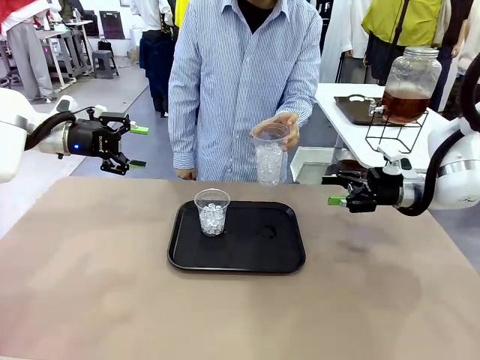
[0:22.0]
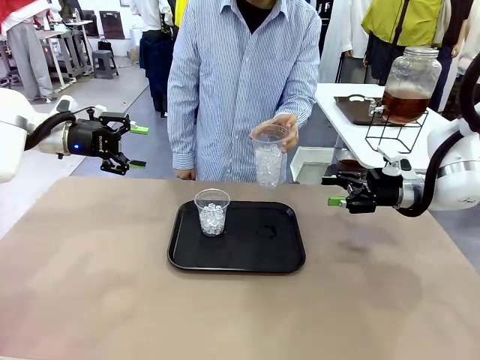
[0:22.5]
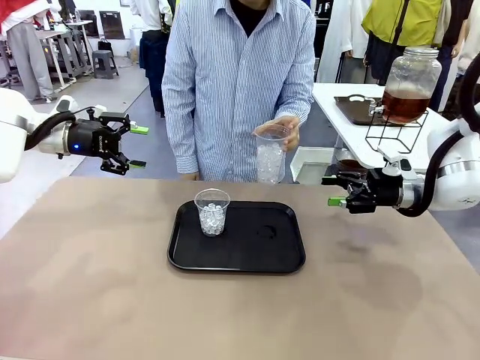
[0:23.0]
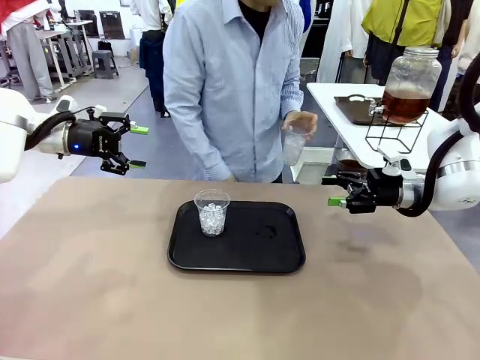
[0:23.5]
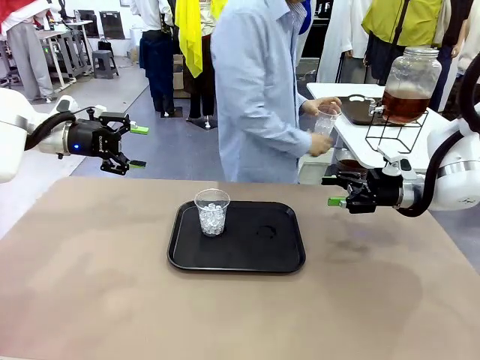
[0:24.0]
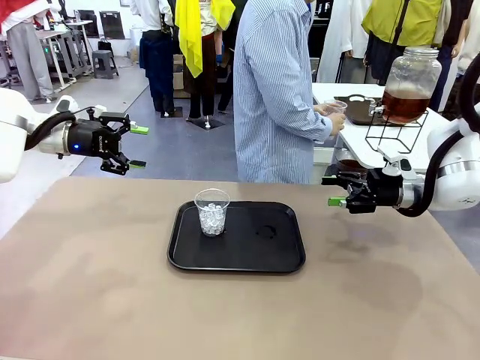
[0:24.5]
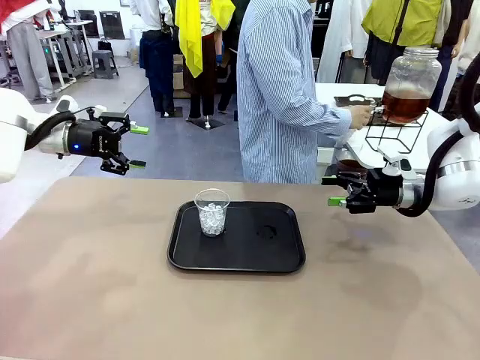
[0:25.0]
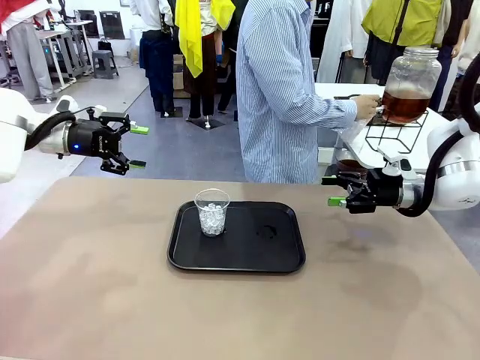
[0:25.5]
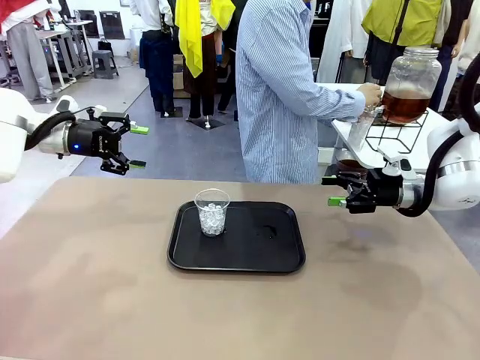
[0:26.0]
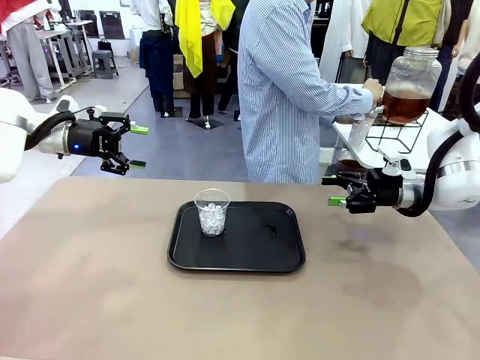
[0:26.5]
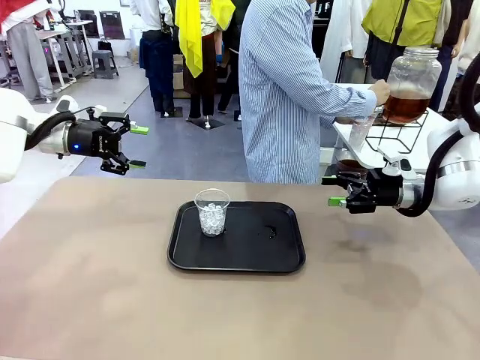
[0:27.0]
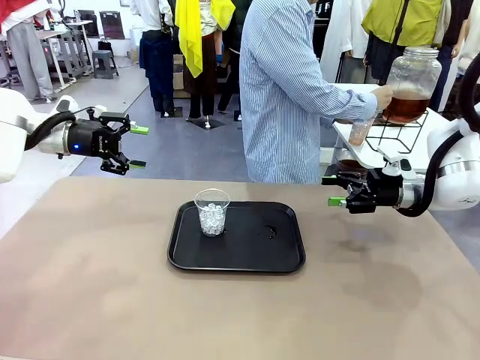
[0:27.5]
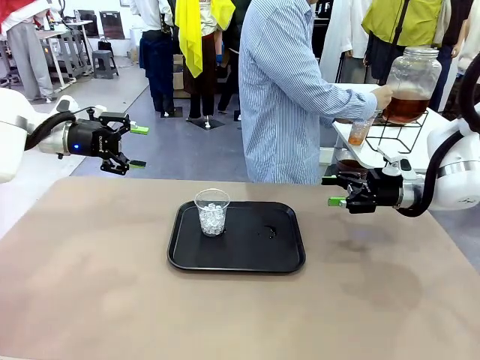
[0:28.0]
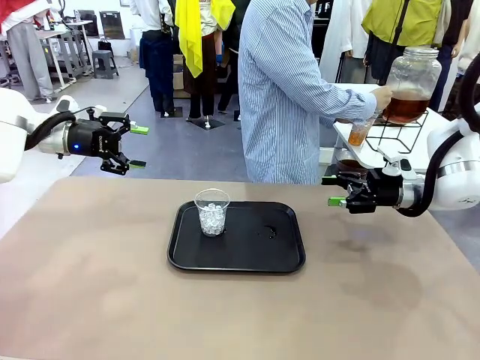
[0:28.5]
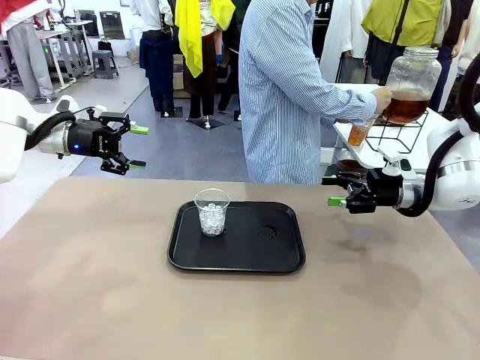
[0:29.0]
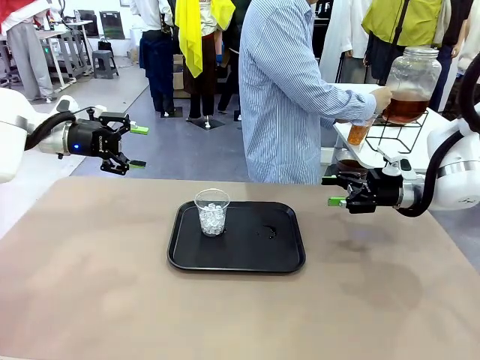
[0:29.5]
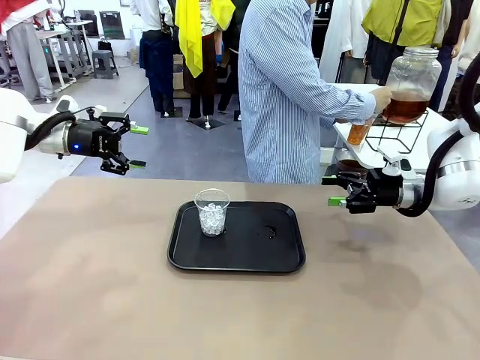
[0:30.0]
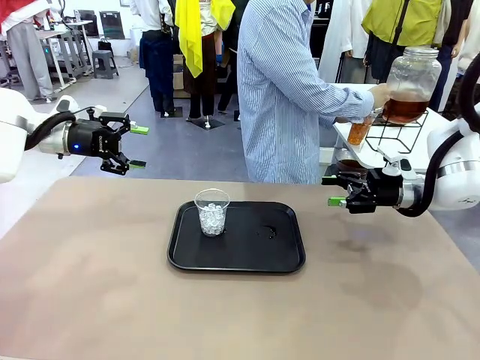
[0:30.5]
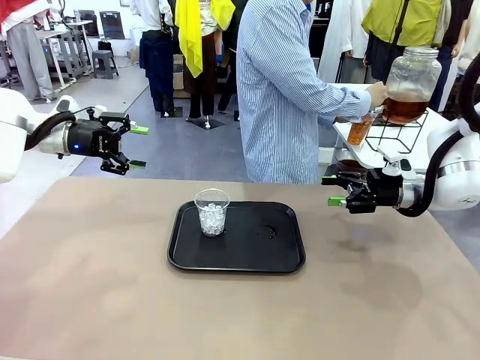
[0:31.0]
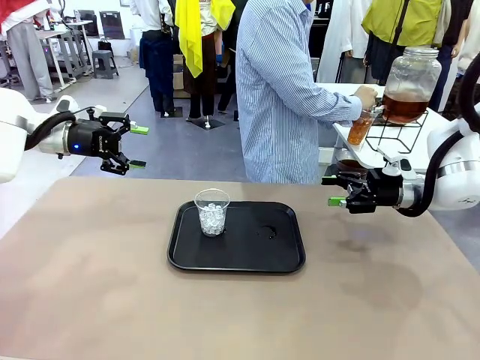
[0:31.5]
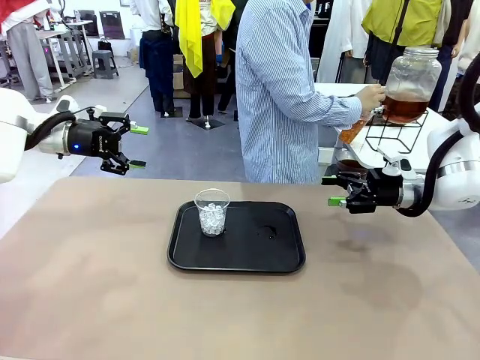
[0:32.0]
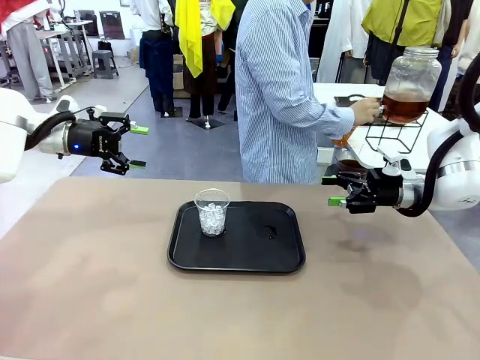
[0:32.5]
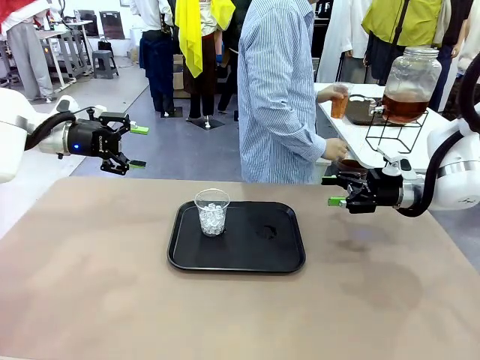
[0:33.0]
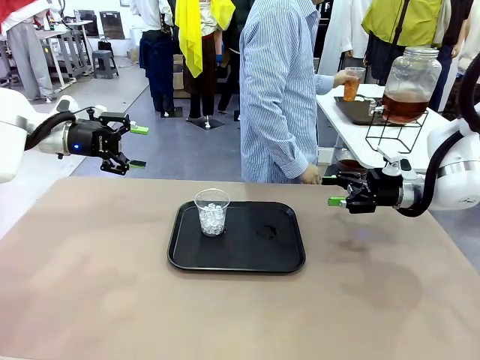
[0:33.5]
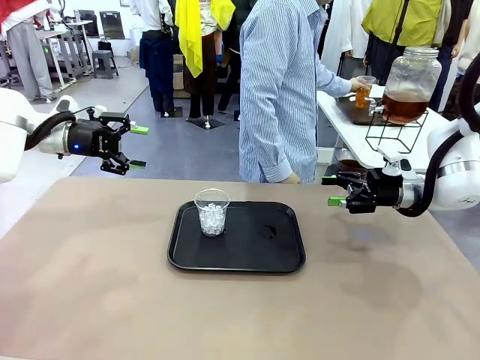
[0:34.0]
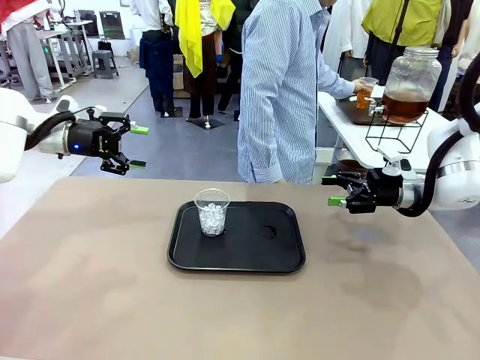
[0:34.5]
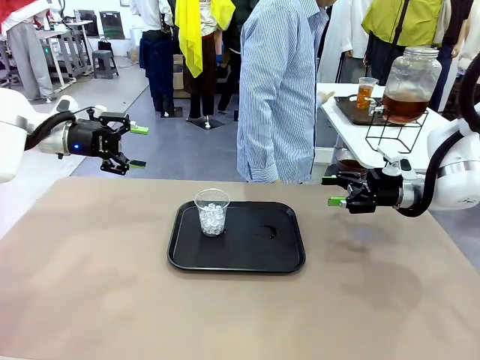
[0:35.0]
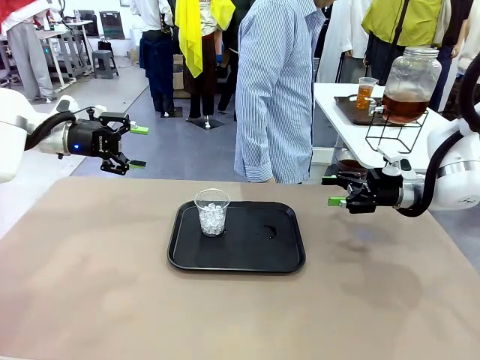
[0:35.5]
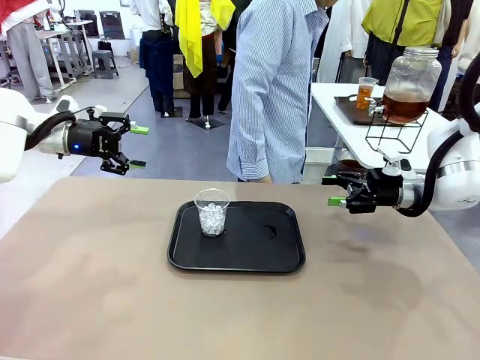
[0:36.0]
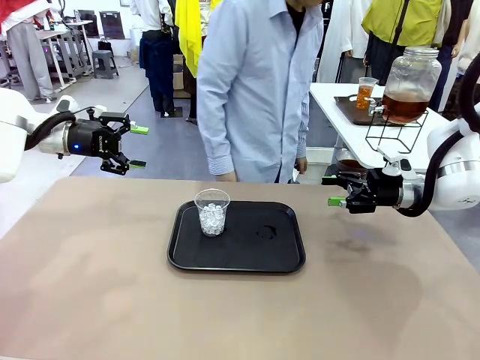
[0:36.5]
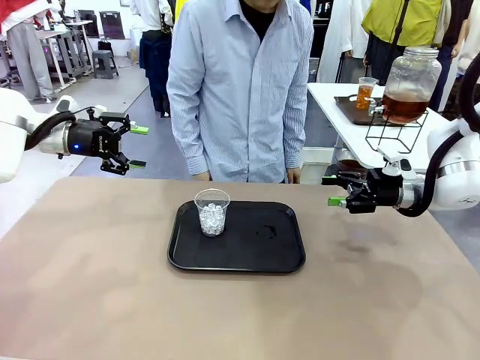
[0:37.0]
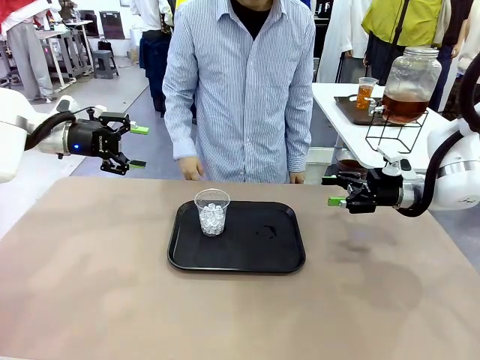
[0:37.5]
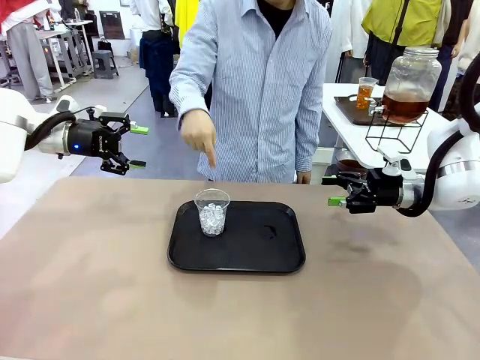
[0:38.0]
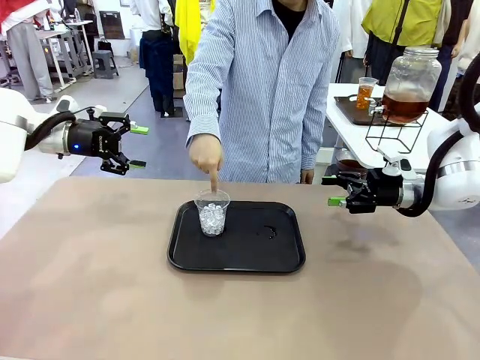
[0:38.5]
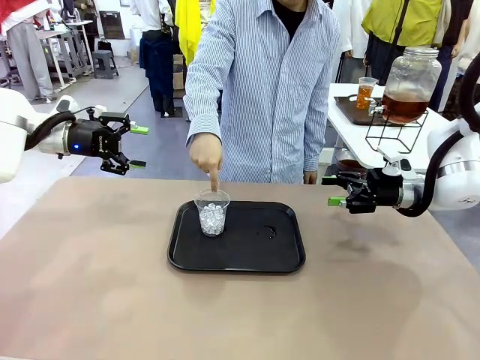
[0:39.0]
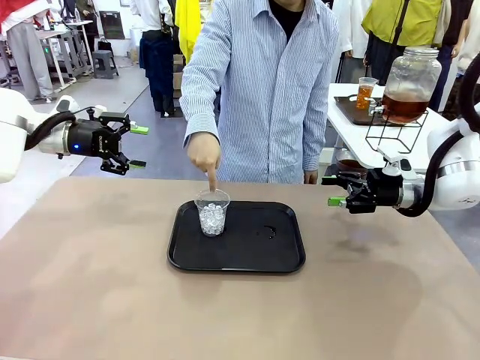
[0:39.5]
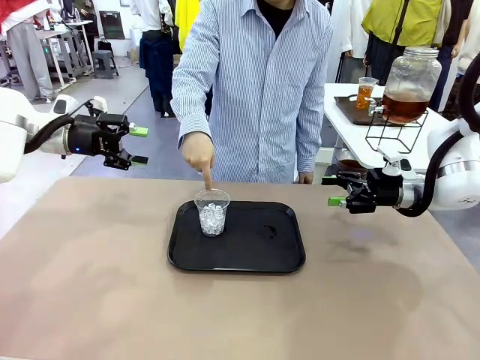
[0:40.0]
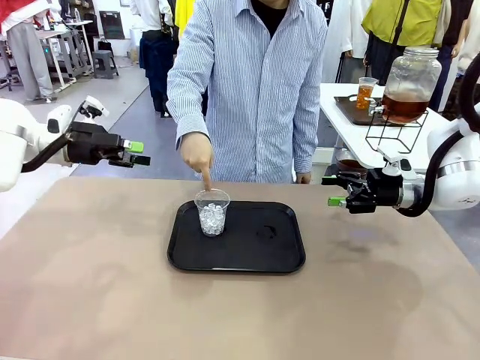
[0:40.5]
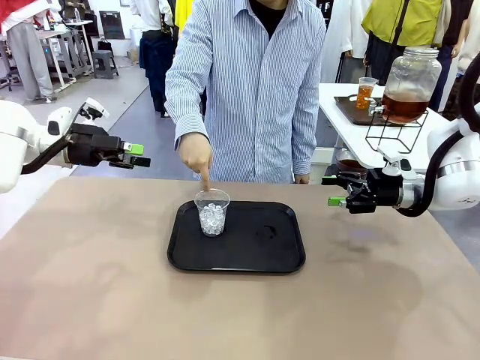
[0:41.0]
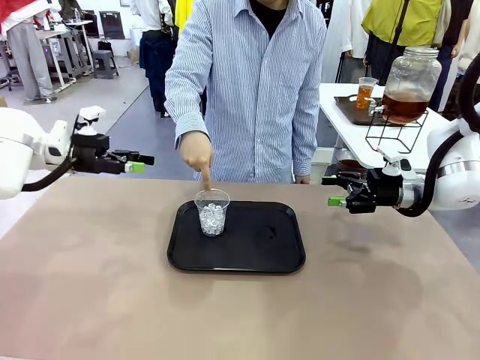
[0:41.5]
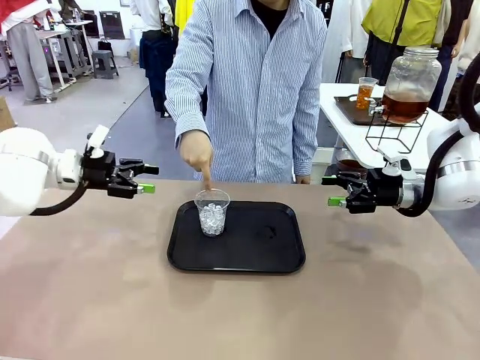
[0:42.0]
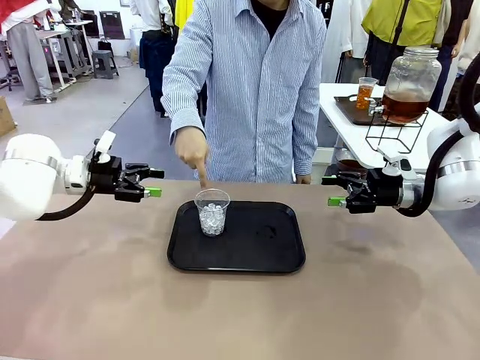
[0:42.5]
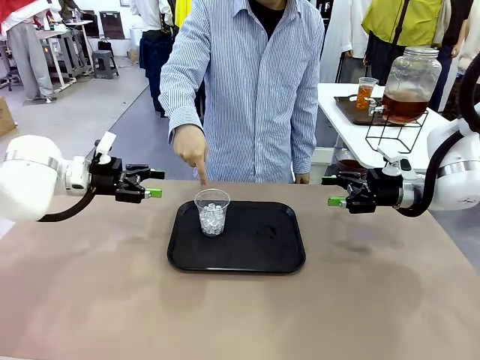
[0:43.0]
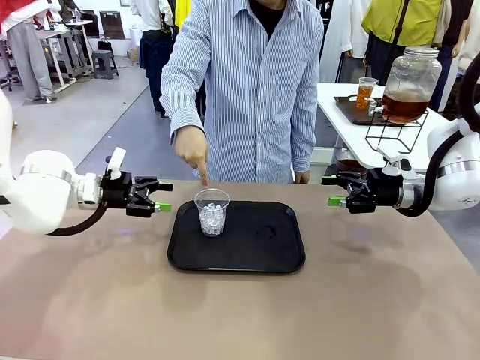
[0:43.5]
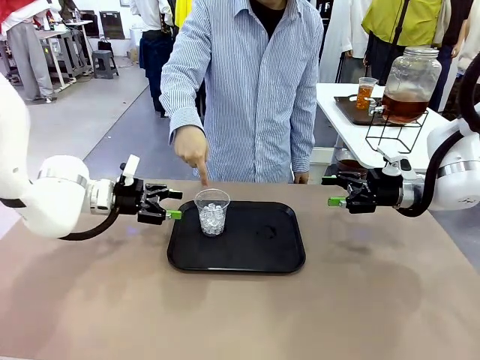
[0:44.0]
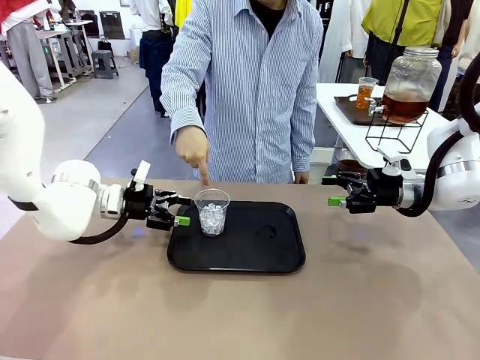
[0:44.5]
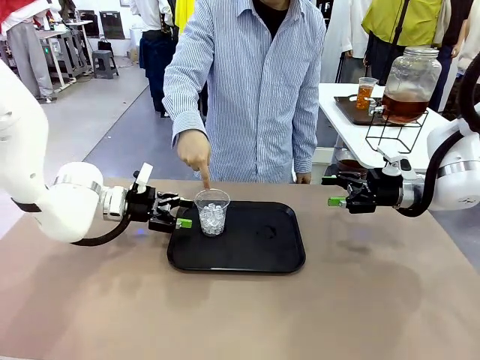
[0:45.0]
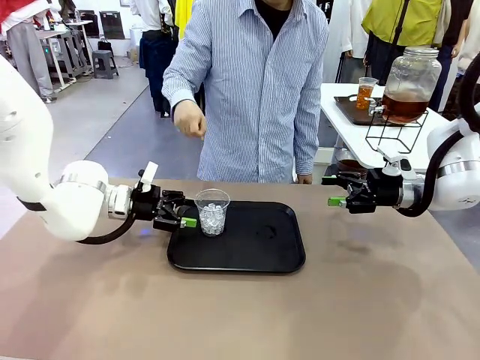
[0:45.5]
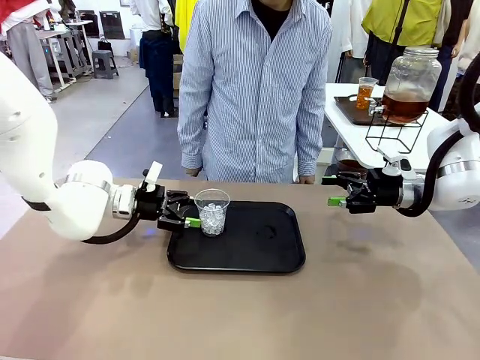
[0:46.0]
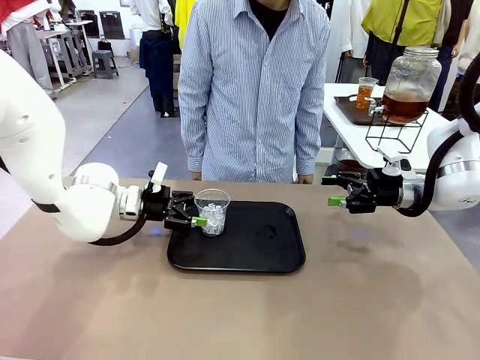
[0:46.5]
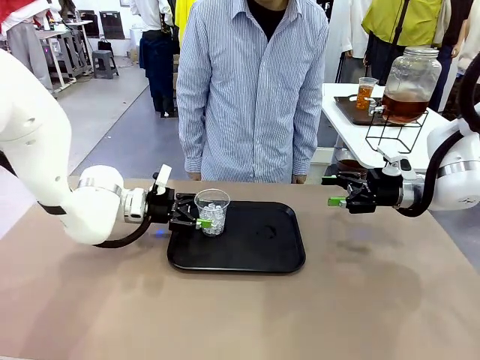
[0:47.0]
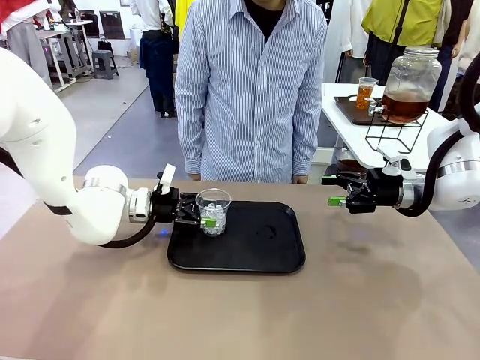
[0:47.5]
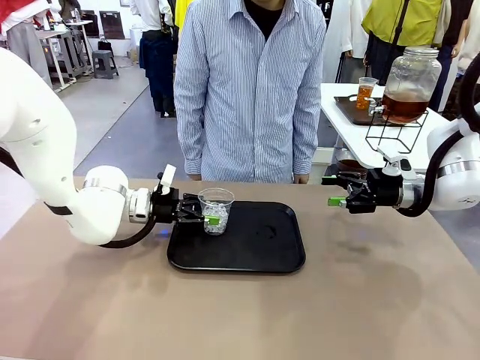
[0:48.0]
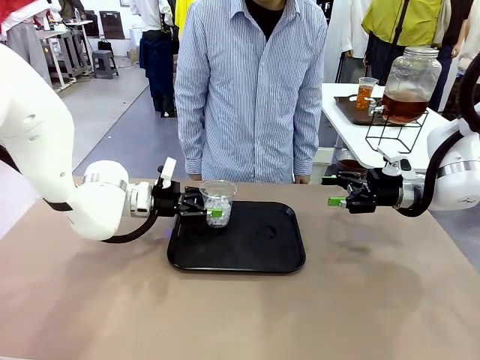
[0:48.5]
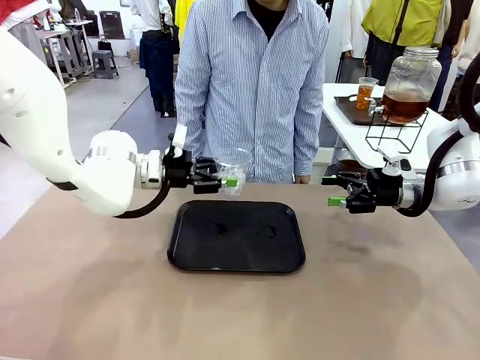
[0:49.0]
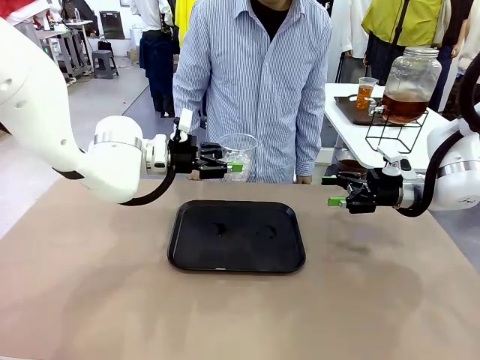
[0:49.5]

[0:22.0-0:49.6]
Task: Pour the drink into the iced cup.
Robot: Pick up the iced cup indicated by the human and present it to them.
Person: Move the picked-up cup under the dispenser faucet, pour the drink, and place it on the tray on the human table. Point to the remaining ice cup on the robot table. Pick up the cup offered by the robot.
